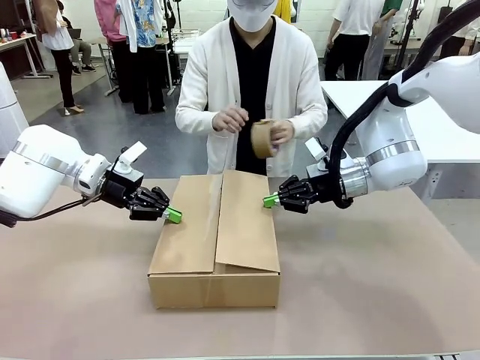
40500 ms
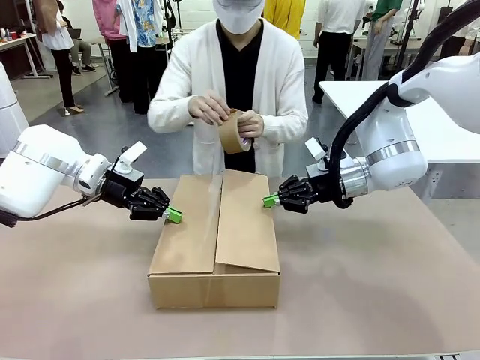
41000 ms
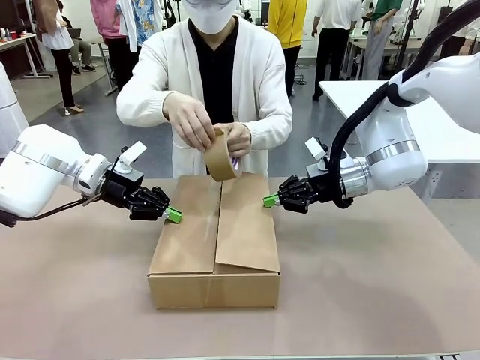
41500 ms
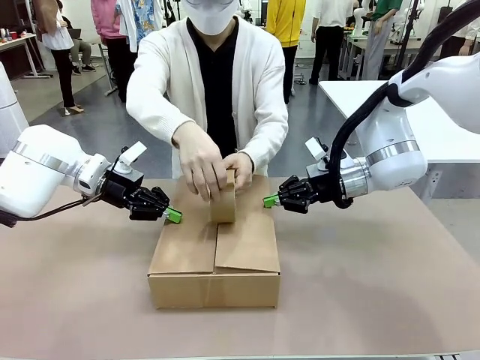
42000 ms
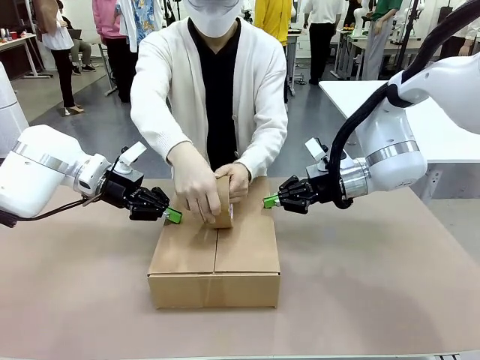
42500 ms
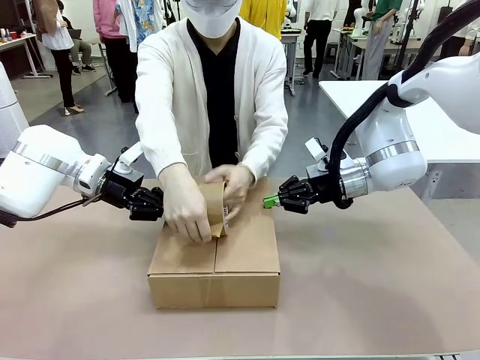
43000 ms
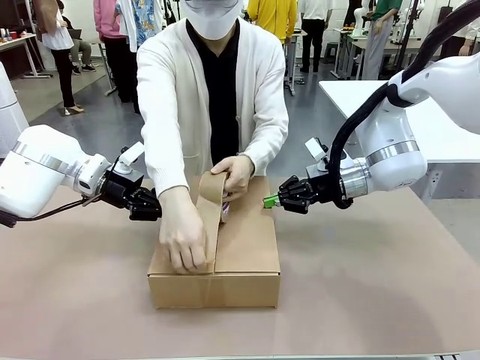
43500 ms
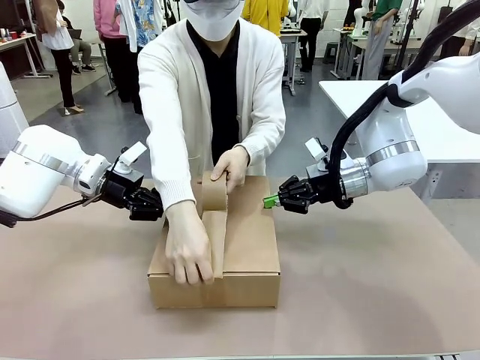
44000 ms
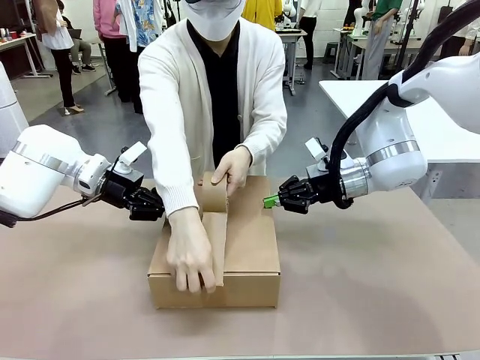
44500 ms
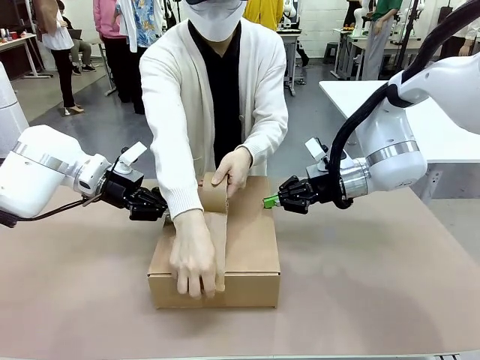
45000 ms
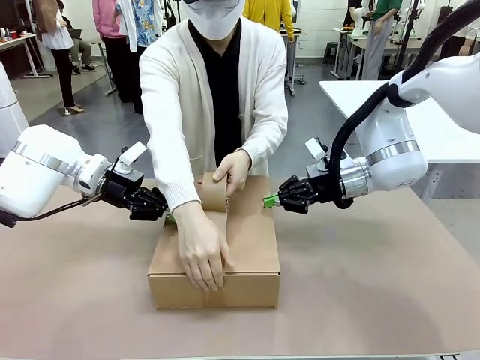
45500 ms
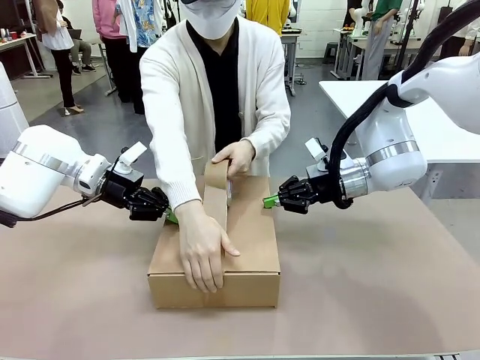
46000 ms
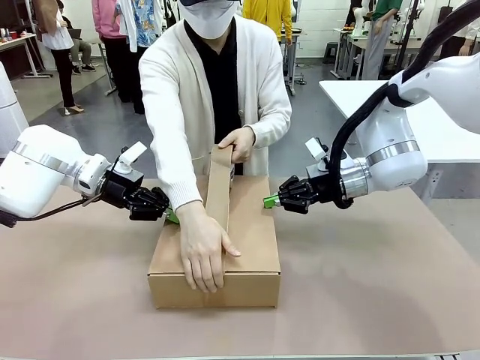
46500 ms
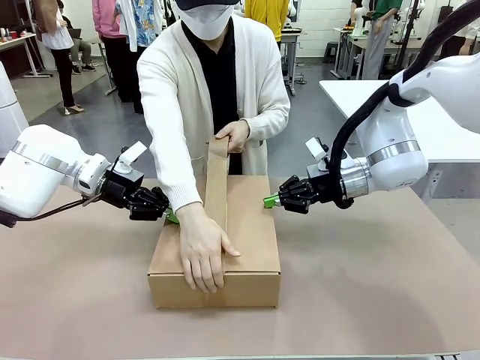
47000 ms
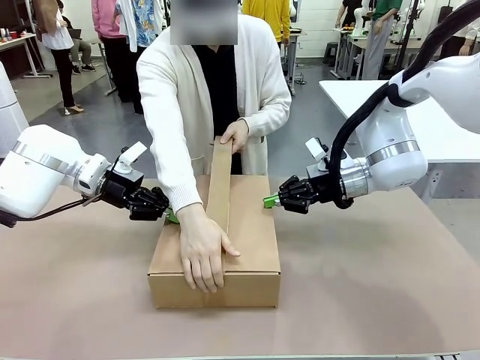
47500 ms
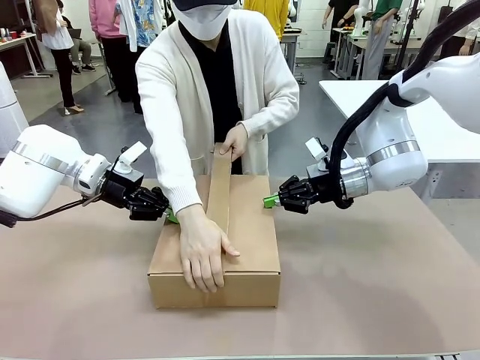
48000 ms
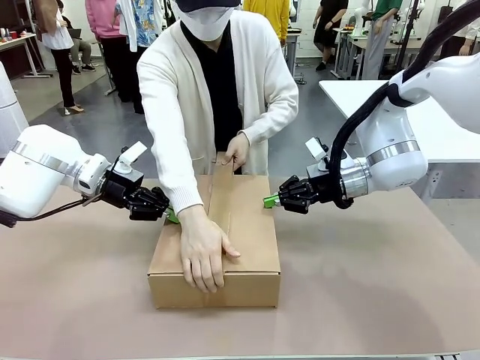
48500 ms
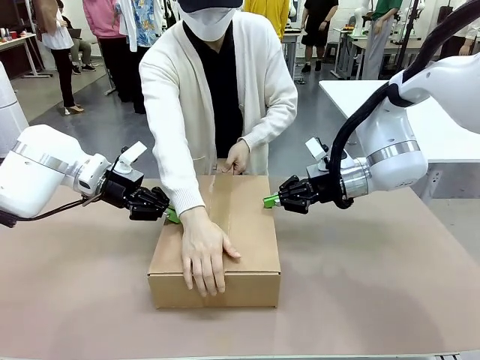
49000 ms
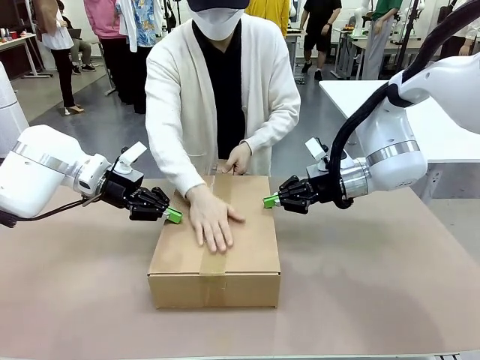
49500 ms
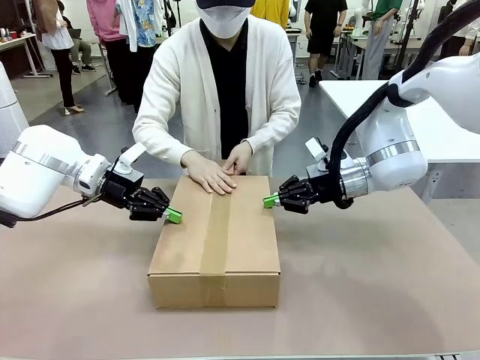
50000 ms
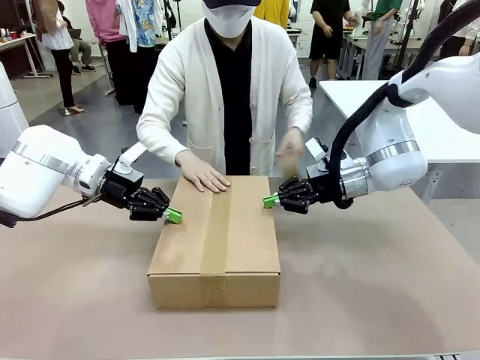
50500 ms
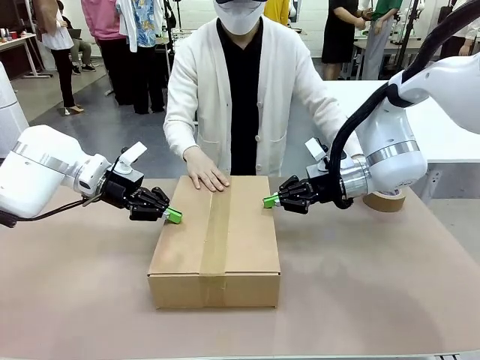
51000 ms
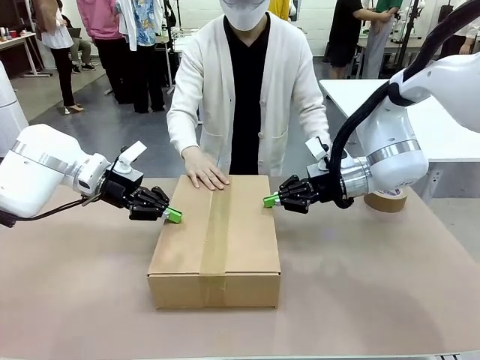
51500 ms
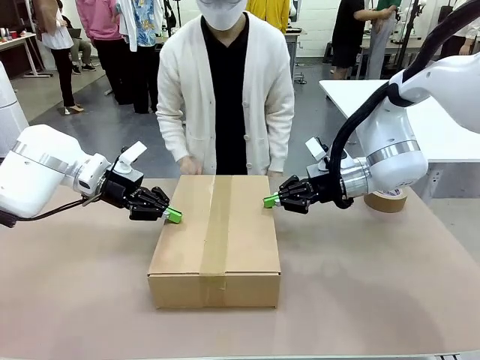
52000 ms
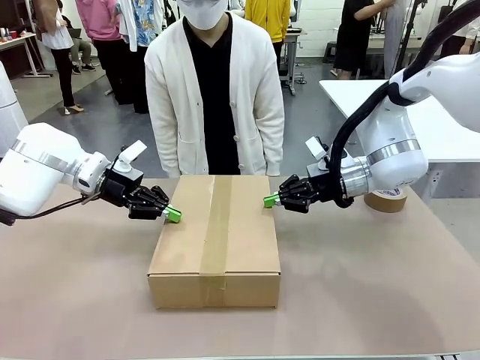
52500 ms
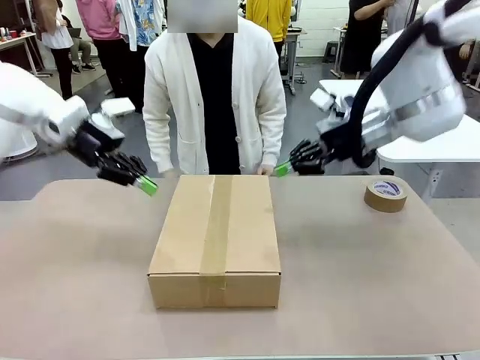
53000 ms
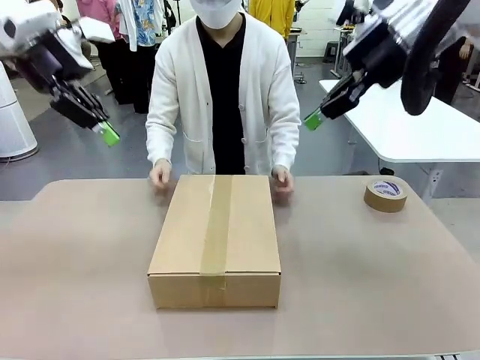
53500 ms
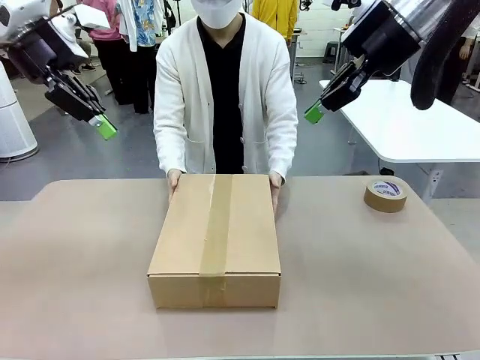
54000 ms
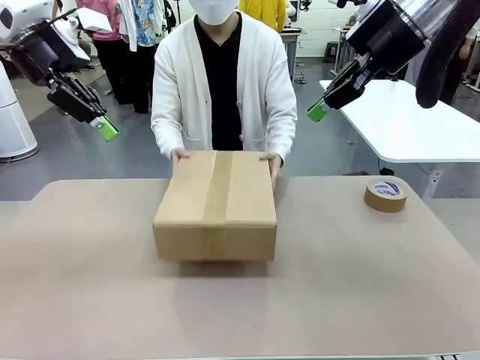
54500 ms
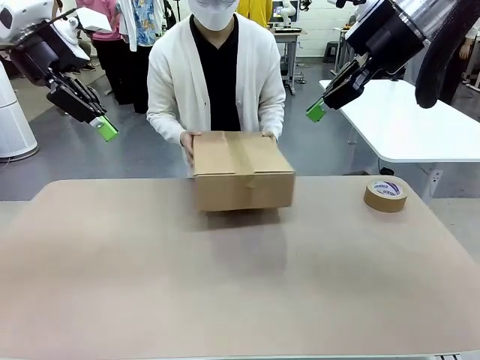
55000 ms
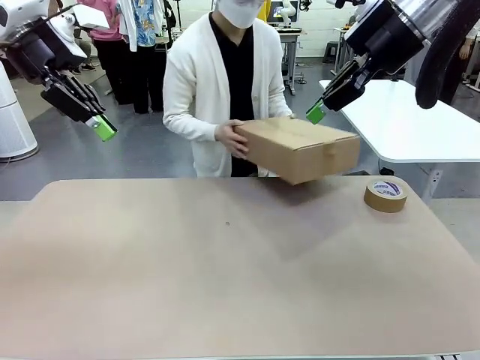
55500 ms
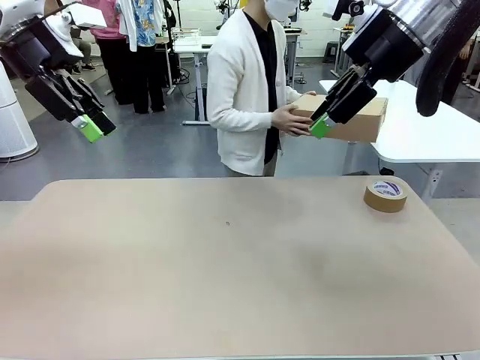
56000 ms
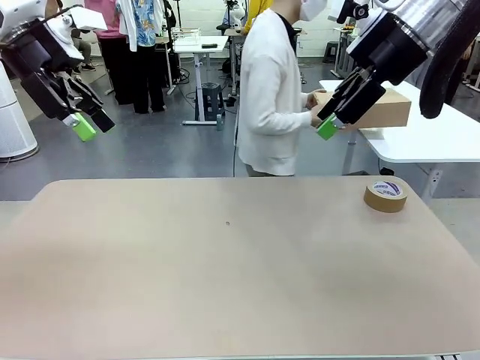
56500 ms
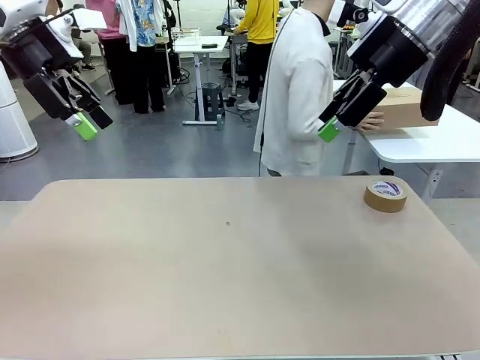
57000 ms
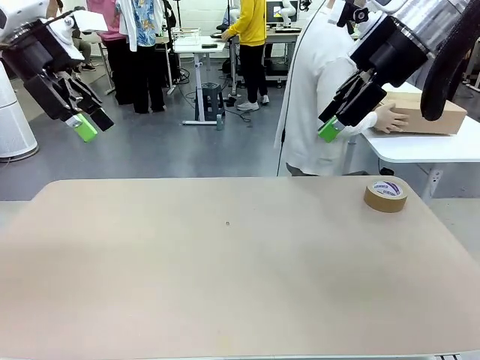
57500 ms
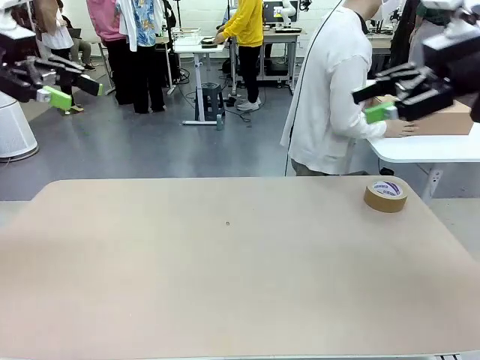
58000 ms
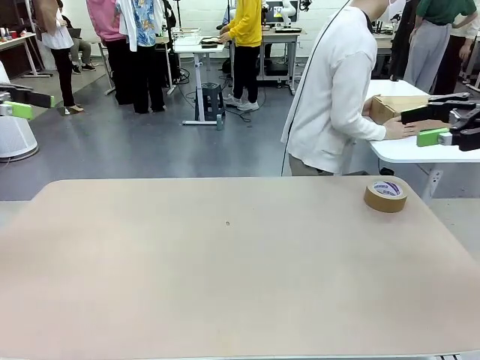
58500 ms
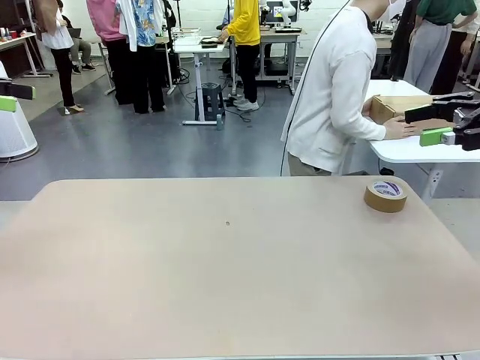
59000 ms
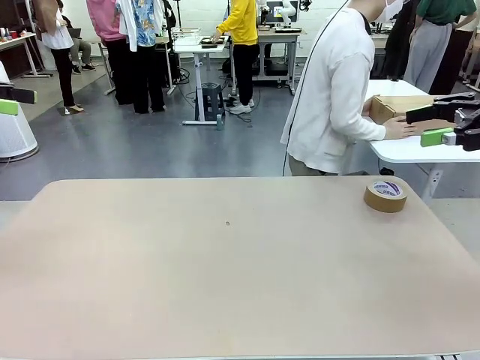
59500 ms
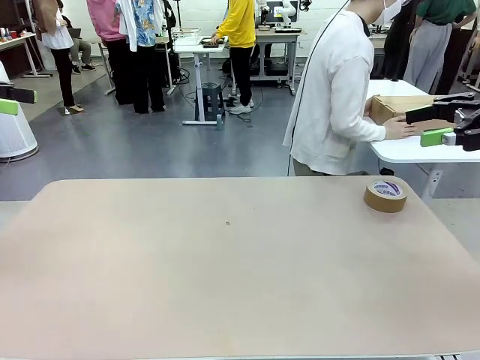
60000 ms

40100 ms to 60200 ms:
Task: Wrap the clocks to prevent damage.
Robot: After the human seals the box with tape, release both hands from the side flaps of the Package Box.
Person: Once the robot closes the left flap of the Package Box , seal the box with Paper Tape. Place sealed Package Box in the middle of the human's table.

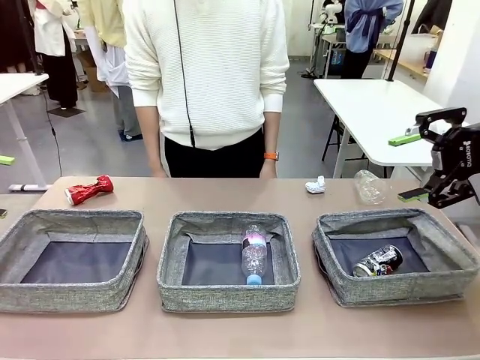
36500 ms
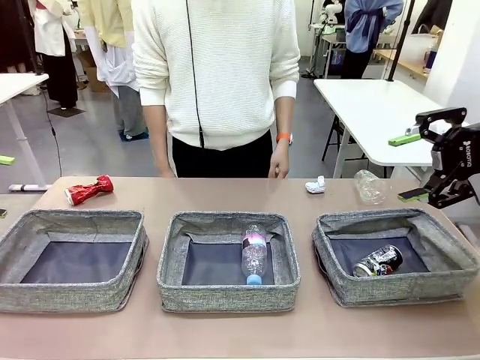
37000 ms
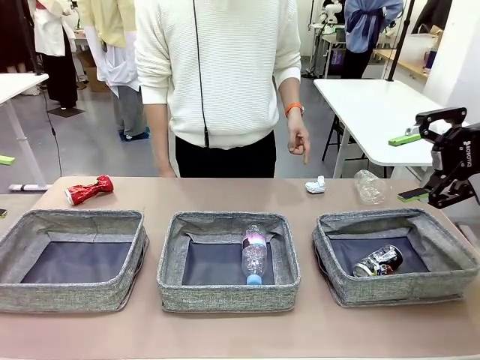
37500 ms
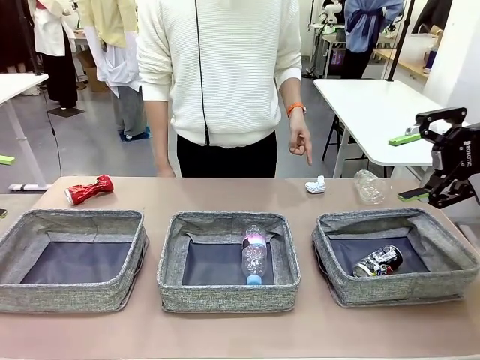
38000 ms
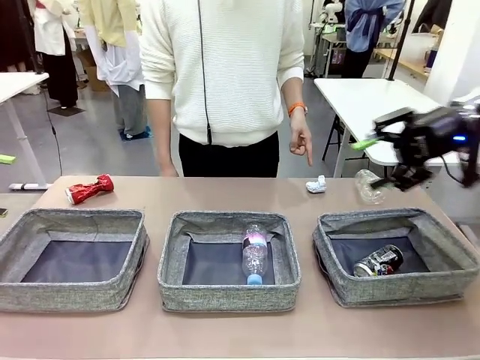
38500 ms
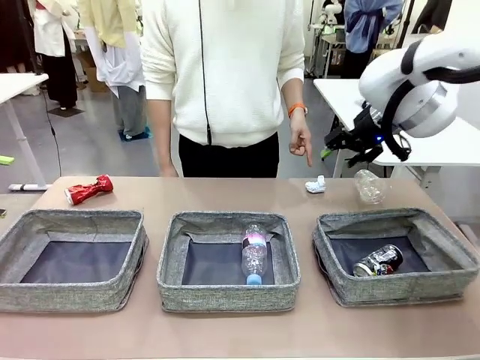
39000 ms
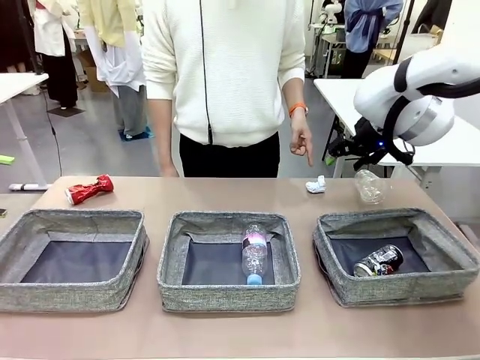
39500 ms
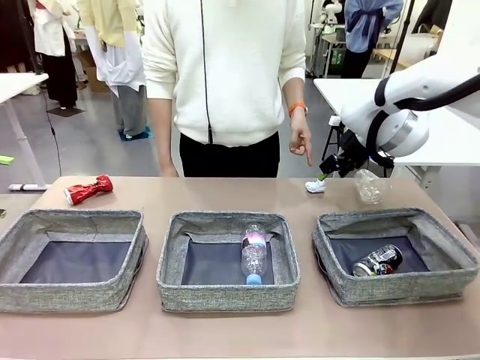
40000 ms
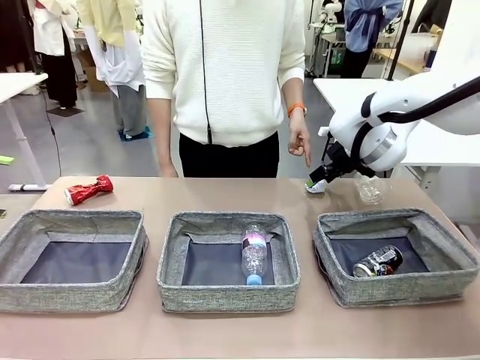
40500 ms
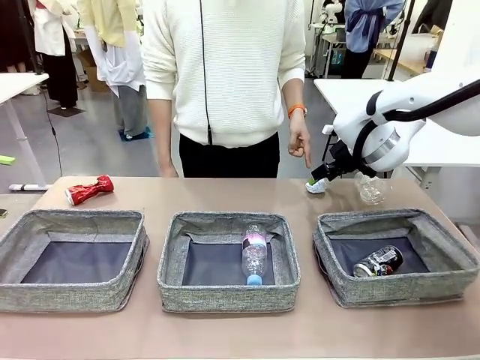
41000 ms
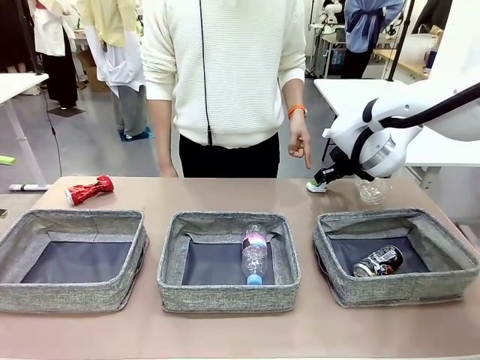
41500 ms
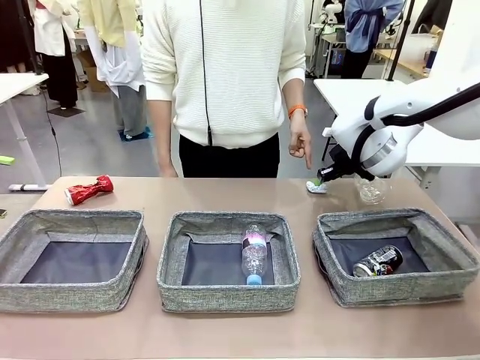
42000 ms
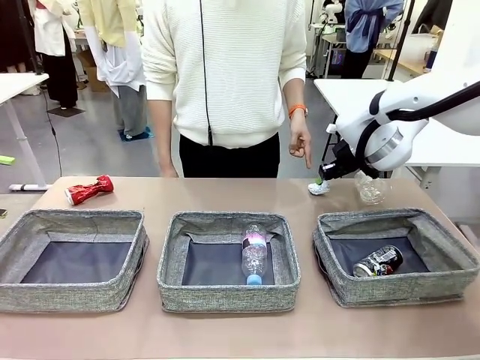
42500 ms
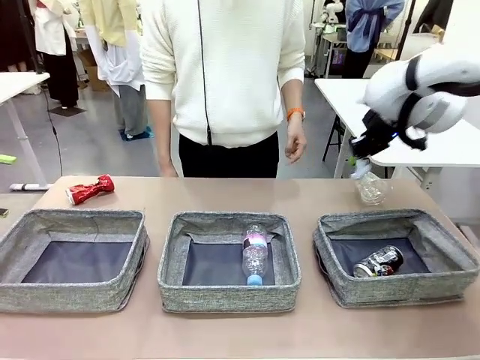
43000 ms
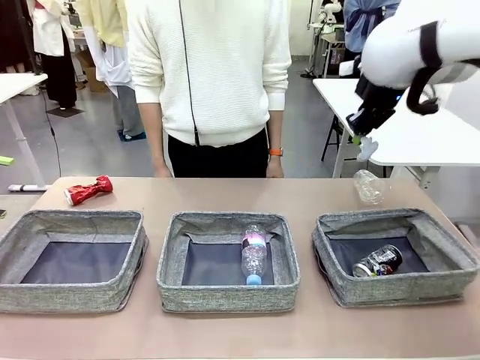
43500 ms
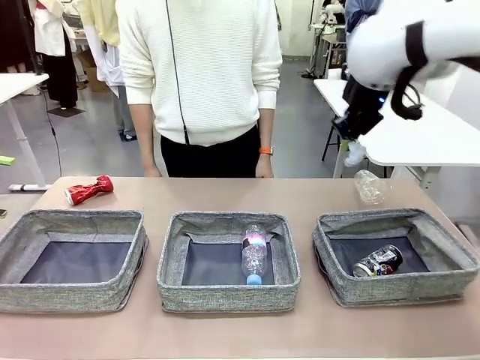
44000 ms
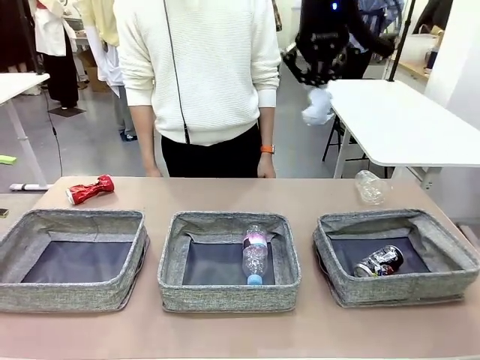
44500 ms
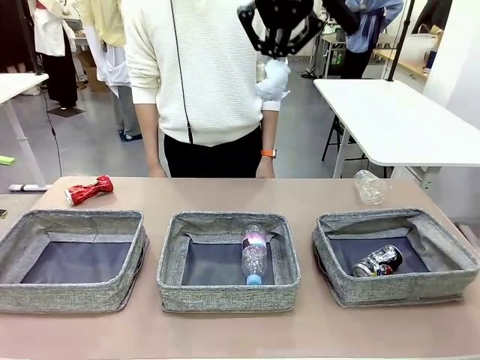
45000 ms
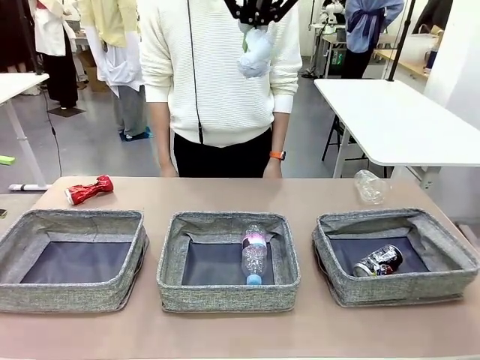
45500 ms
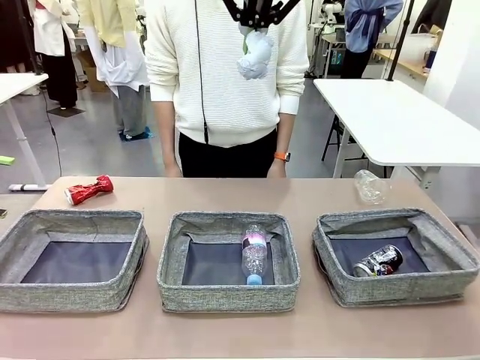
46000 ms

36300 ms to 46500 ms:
Task: Sort the waste into the appropriate baskets.
Robot: Pick up the waste item pointed out by the person.
Person: Points to one piece of trash on the table.
